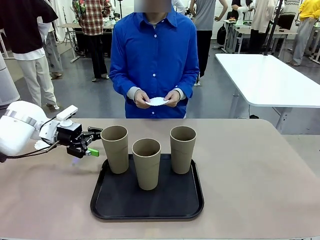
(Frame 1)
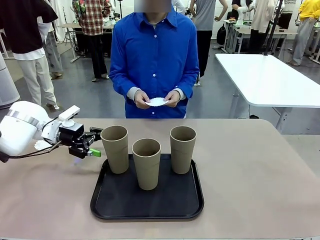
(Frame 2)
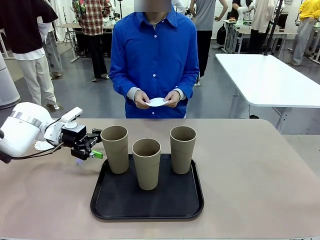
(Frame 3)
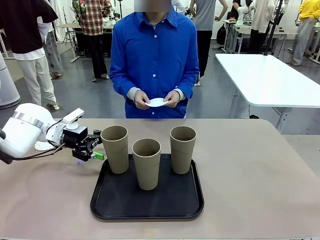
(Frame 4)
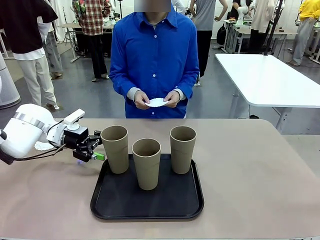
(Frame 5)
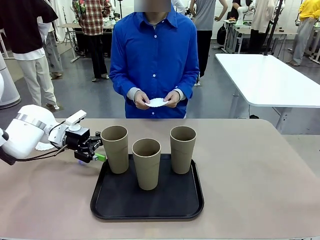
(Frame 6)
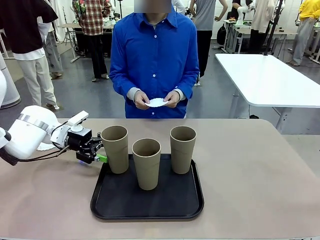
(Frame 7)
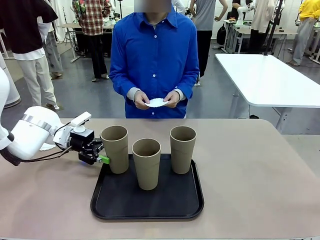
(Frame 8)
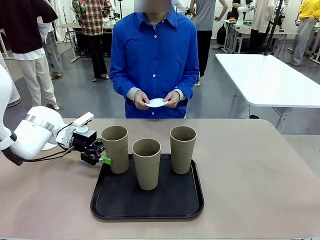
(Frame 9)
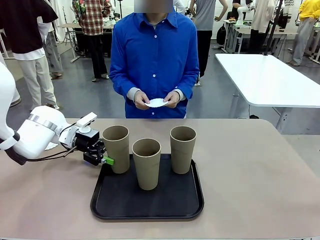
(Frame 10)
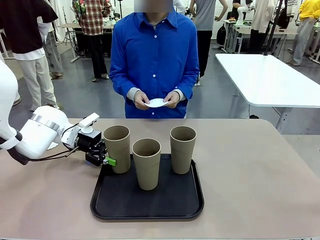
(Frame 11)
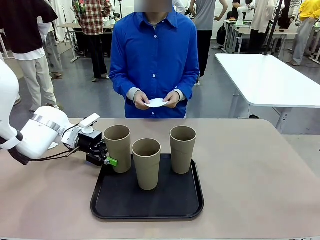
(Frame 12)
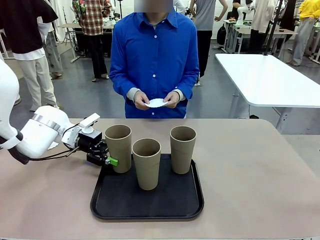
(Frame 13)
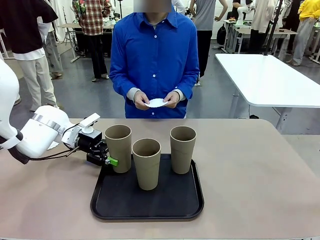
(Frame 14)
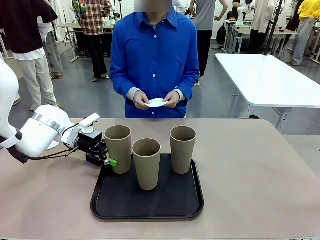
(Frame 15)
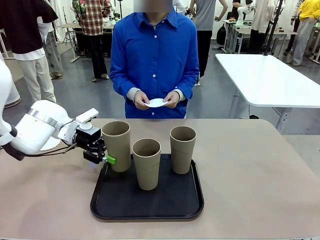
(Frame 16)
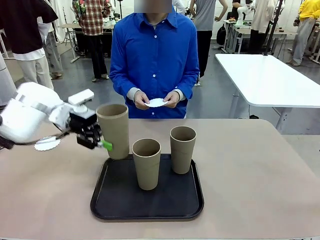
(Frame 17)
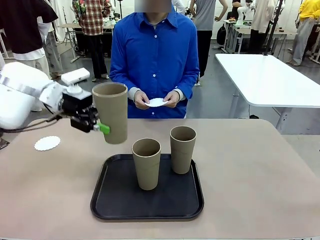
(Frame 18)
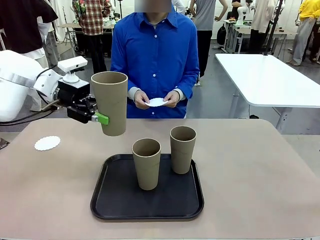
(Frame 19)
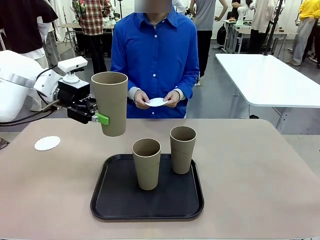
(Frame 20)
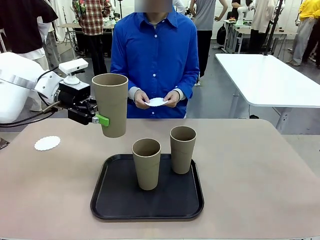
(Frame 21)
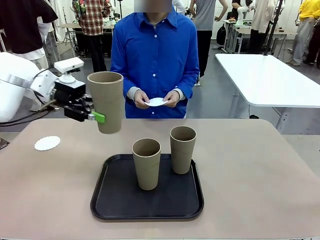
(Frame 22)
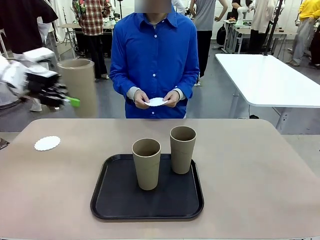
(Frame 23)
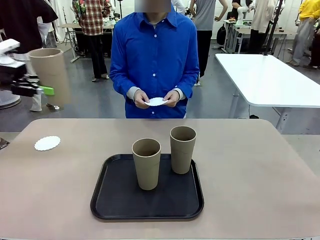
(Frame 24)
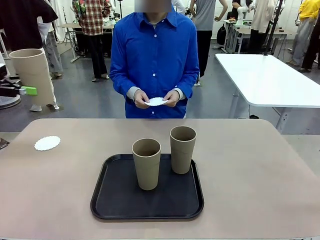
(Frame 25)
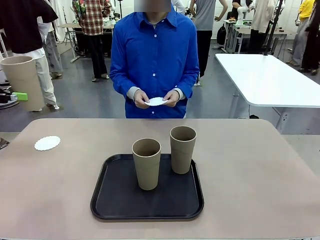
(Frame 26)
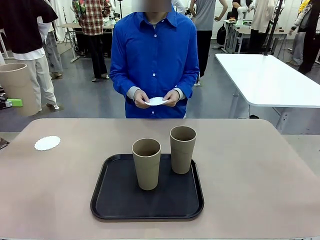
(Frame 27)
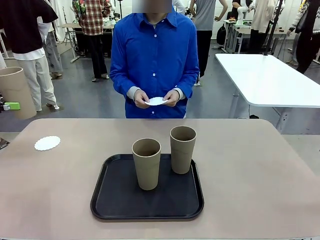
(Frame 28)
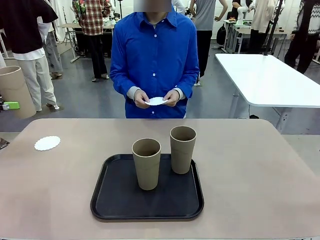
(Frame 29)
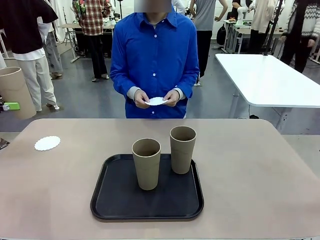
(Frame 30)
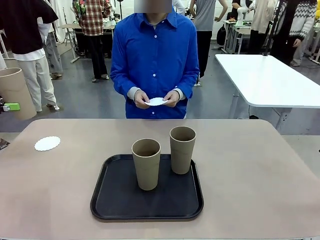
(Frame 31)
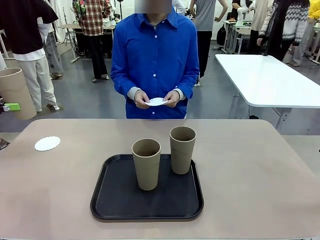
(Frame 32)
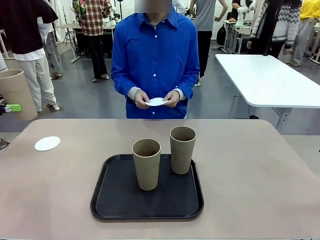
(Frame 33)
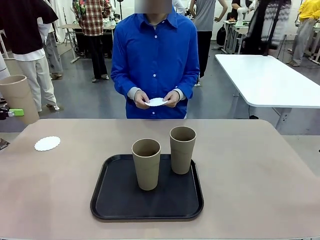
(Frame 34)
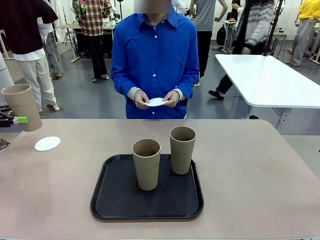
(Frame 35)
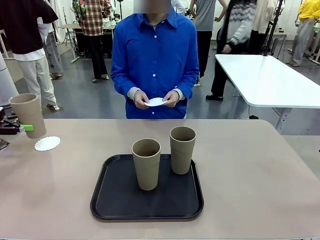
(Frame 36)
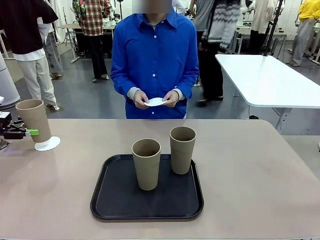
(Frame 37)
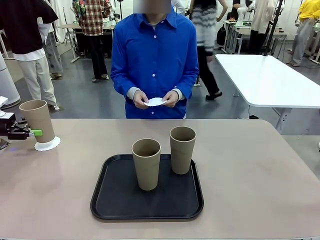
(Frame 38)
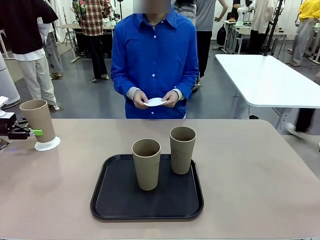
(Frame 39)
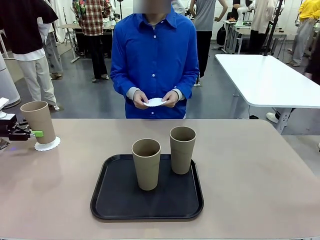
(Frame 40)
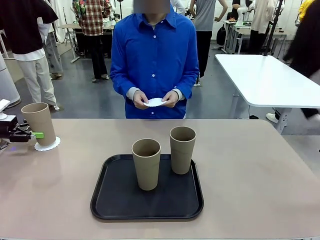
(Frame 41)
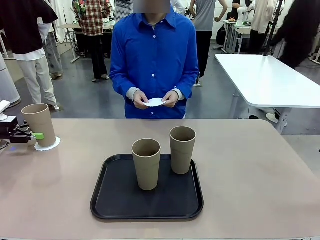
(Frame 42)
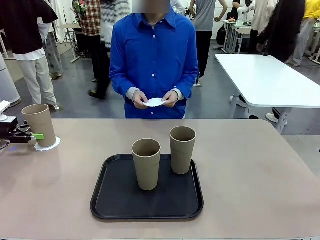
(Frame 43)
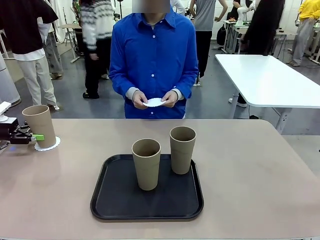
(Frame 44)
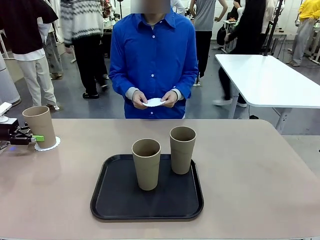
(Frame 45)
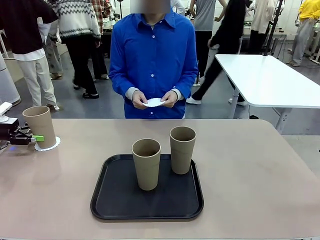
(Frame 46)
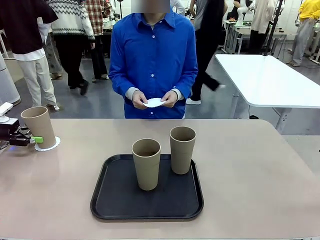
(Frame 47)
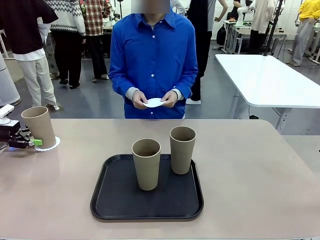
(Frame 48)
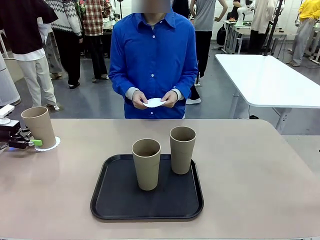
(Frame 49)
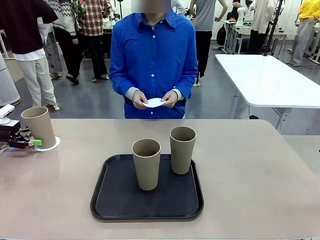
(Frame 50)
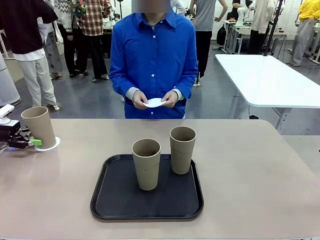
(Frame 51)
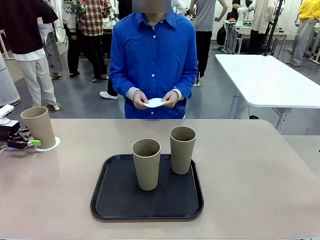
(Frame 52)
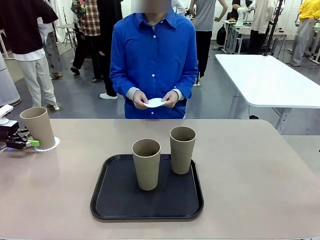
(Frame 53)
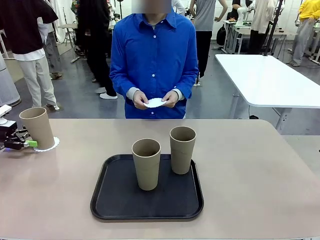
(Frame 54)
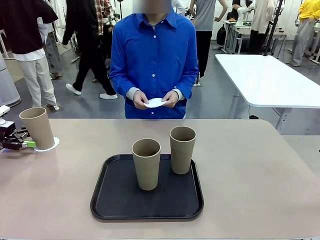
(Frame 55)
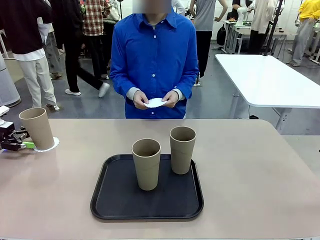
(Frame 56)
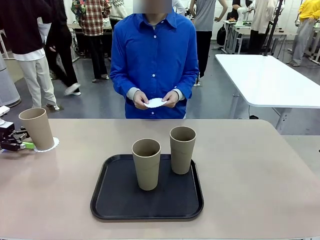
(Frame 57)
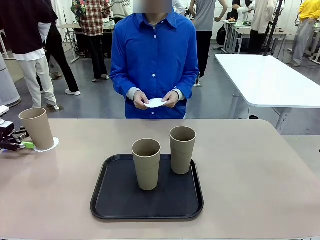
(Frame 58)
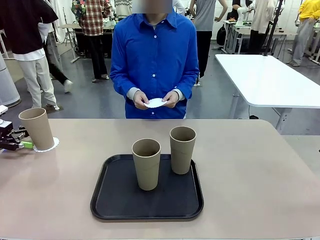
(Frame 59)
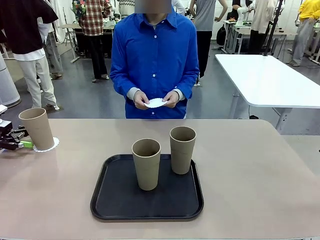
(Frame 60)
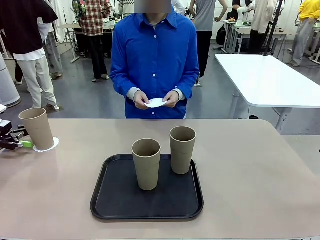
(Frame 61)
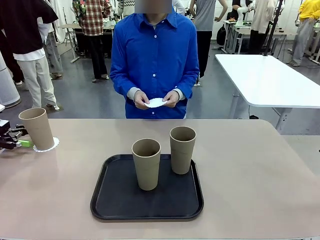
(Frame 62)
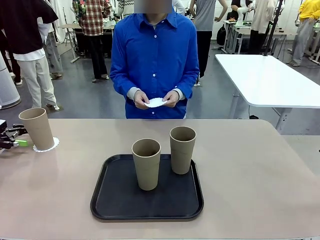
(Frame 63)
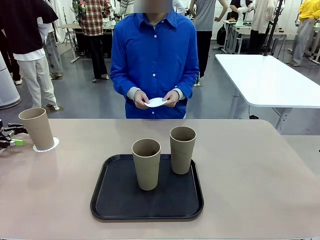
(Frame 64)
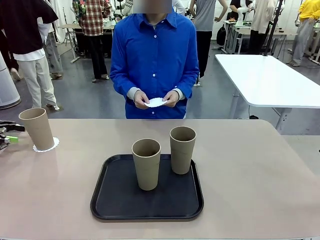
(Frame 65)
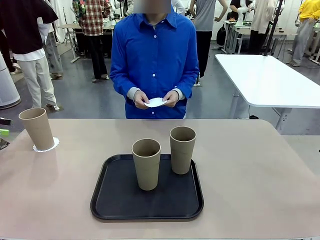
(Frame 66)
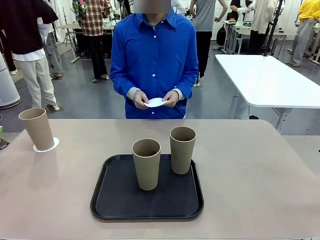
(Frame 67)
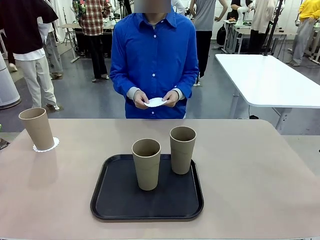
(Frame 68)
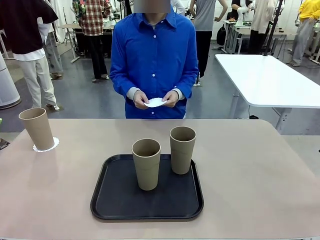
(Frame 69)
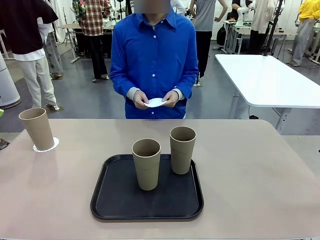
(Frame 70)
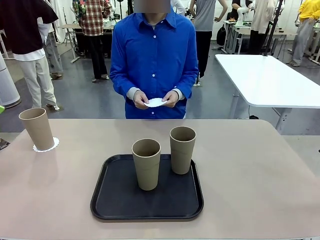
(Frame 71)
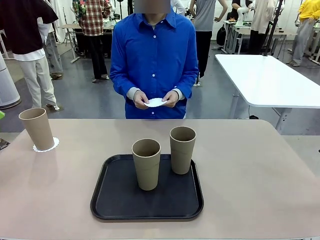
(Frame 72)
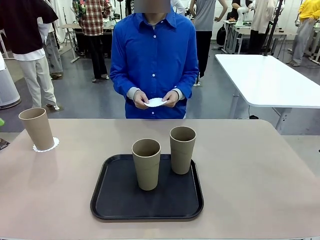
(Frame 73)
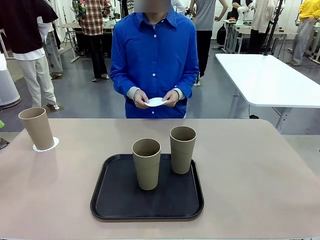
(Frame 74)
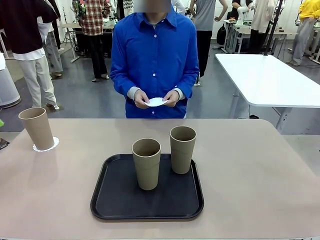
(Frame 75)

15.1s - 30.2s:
Task: Place coasters on the table and set cups on them.
Robot: Pick up one Reusable plastic cup and place it on a coaster set by the human.
Person: Place one coaster in one of the two areas excluding the previously selected area.
